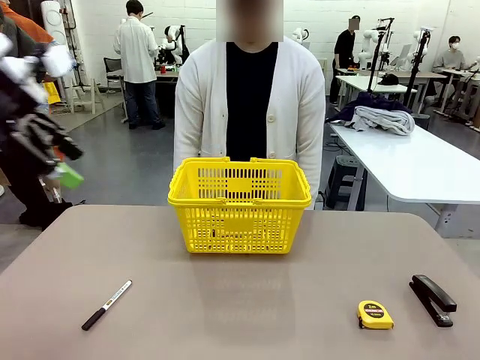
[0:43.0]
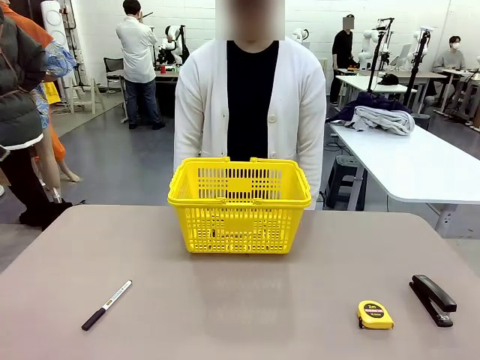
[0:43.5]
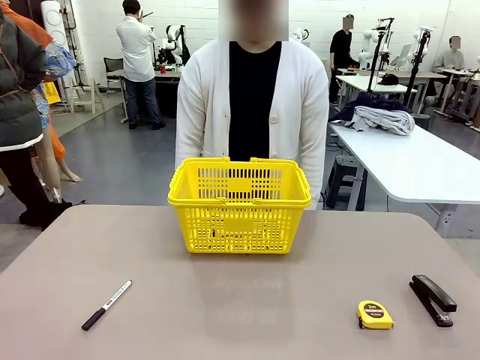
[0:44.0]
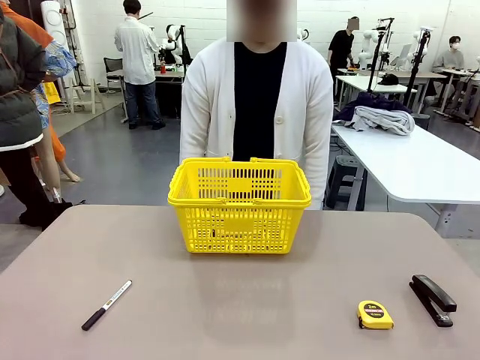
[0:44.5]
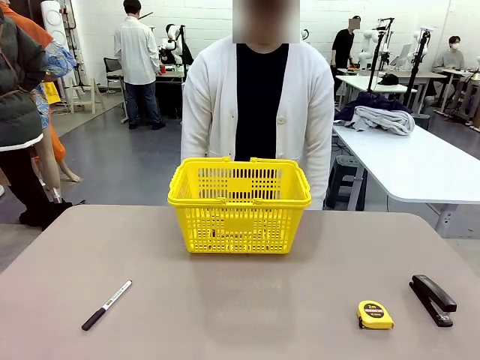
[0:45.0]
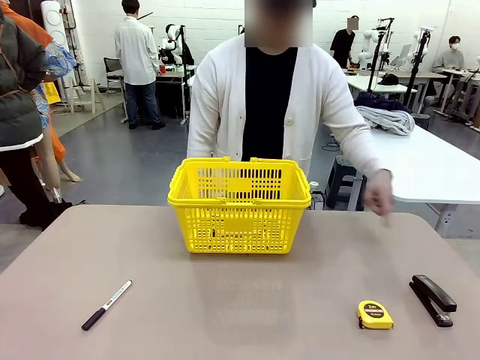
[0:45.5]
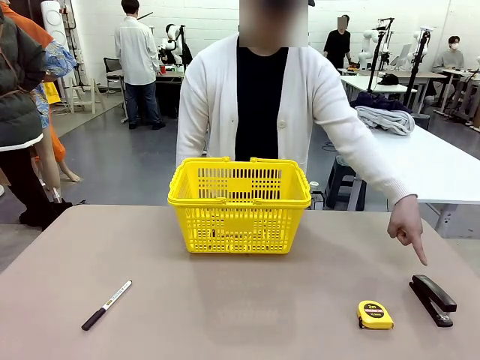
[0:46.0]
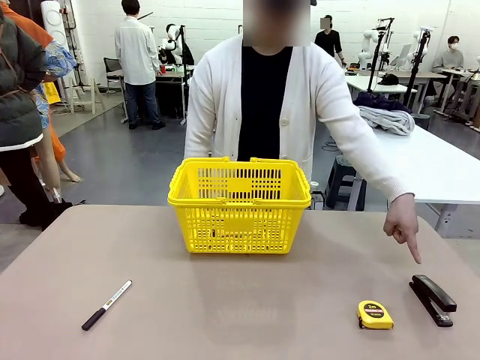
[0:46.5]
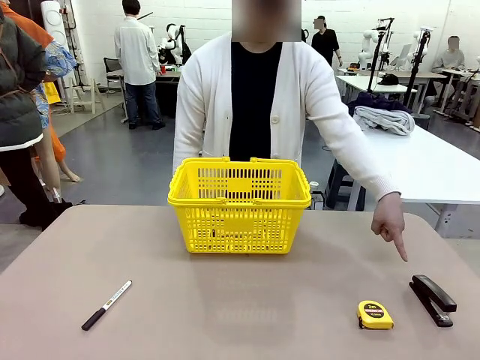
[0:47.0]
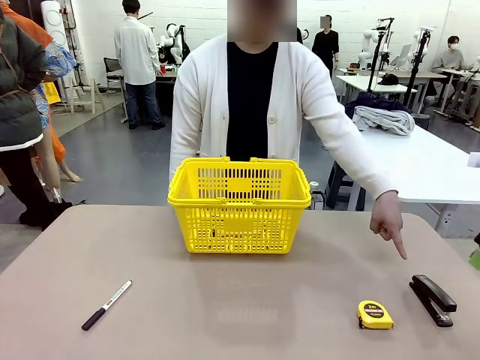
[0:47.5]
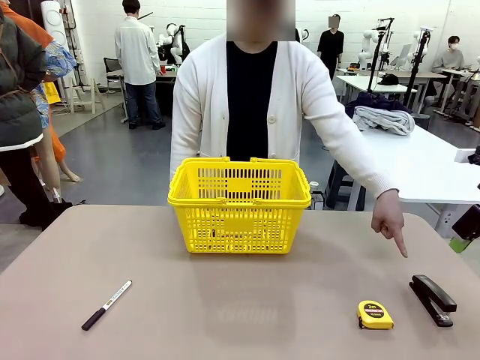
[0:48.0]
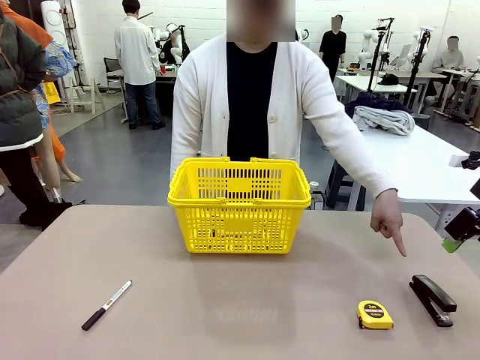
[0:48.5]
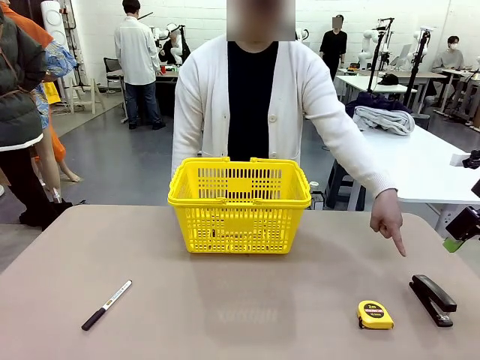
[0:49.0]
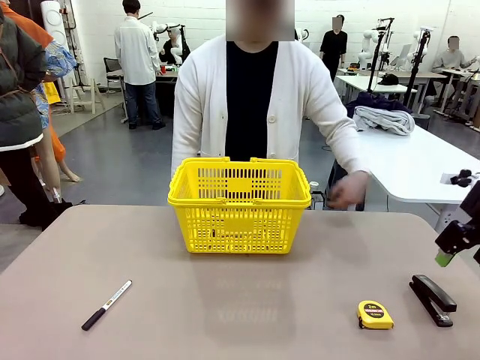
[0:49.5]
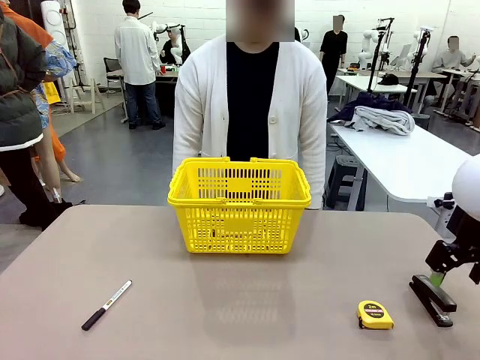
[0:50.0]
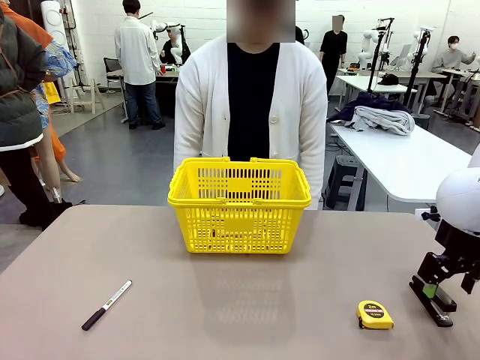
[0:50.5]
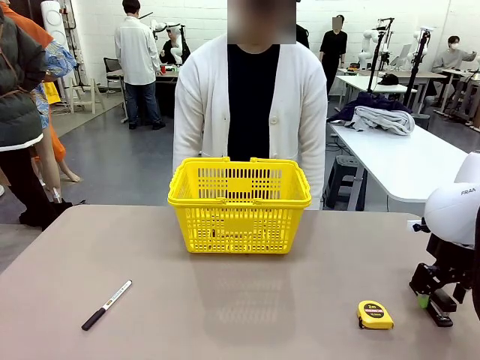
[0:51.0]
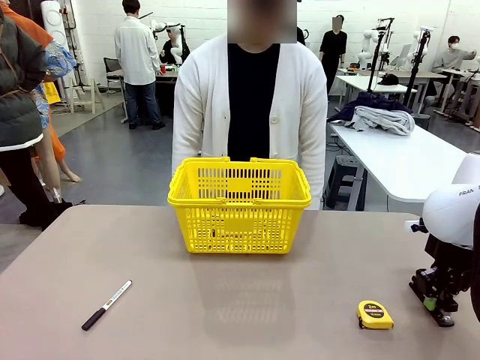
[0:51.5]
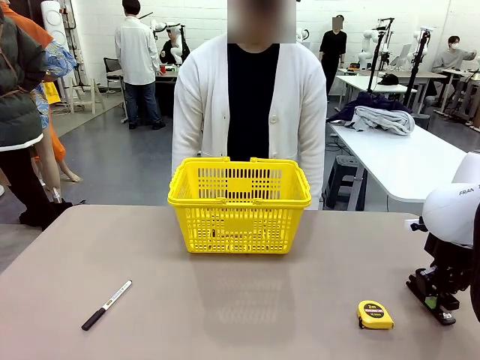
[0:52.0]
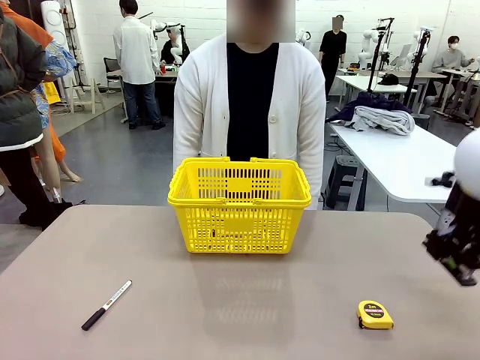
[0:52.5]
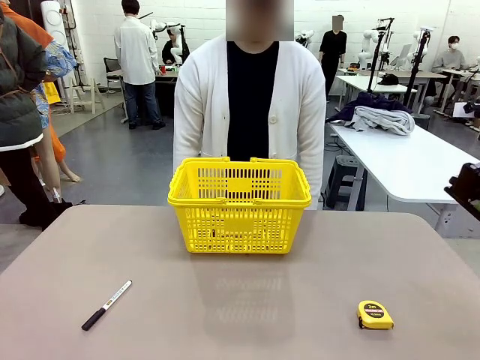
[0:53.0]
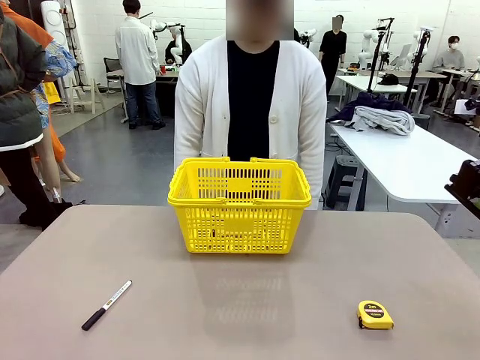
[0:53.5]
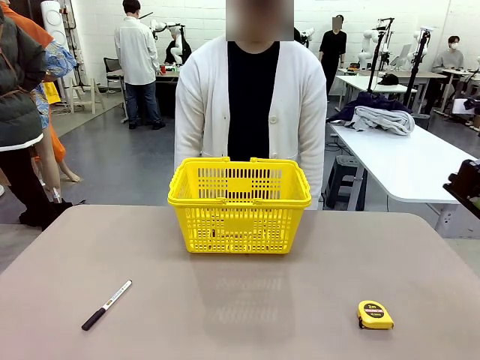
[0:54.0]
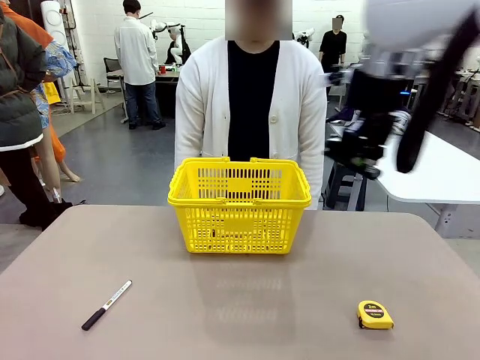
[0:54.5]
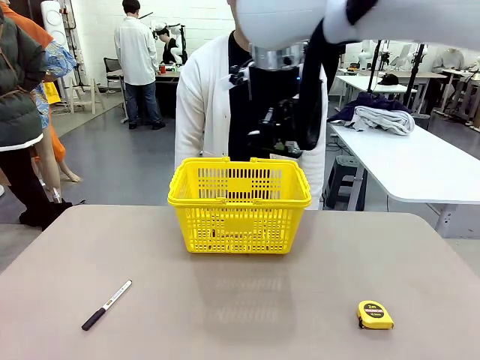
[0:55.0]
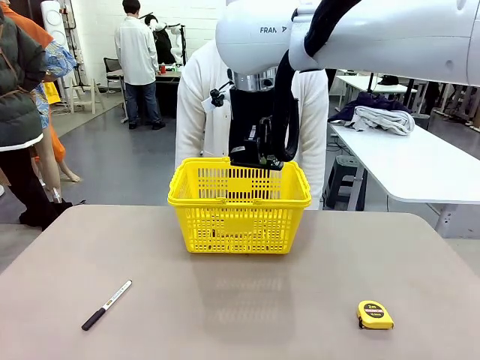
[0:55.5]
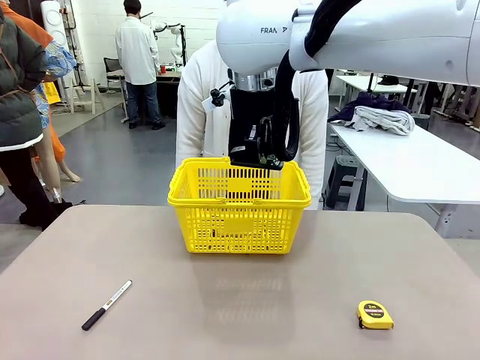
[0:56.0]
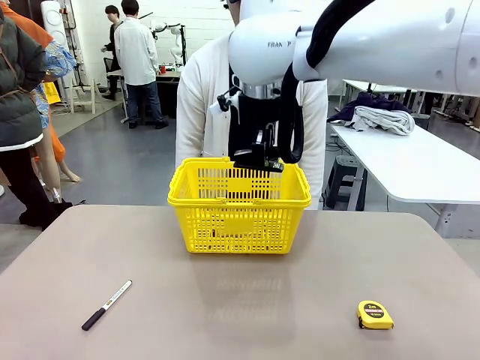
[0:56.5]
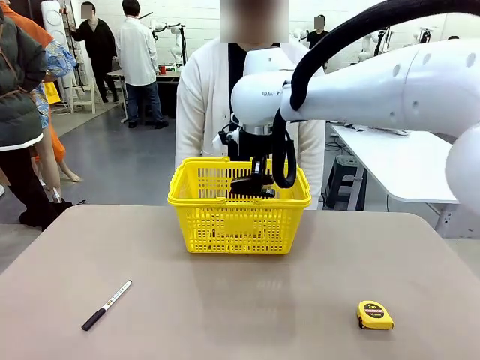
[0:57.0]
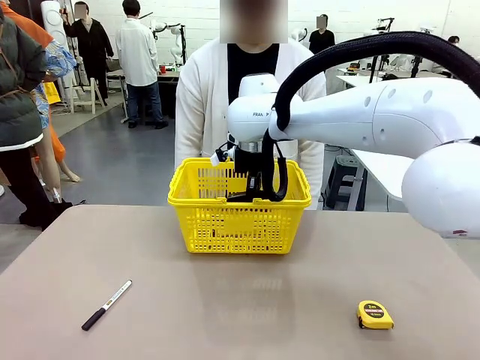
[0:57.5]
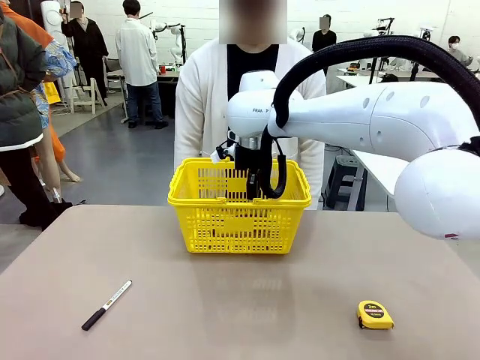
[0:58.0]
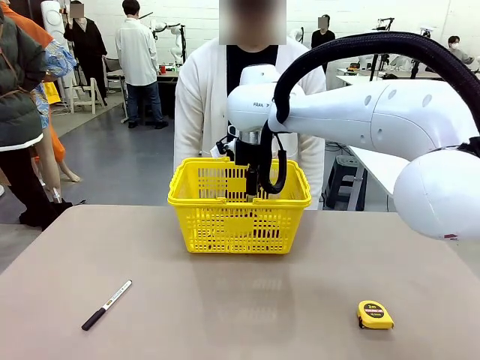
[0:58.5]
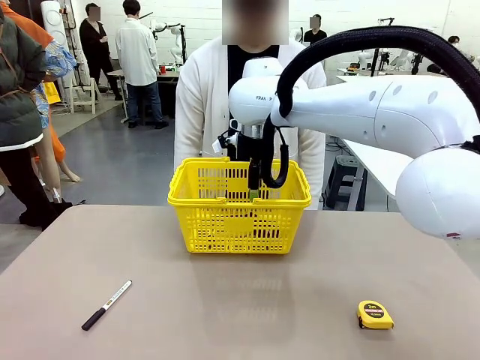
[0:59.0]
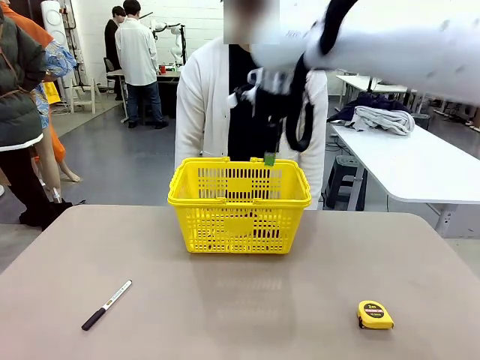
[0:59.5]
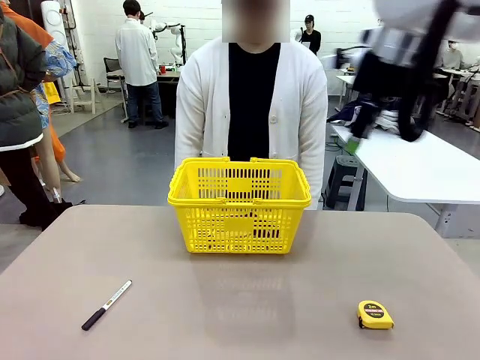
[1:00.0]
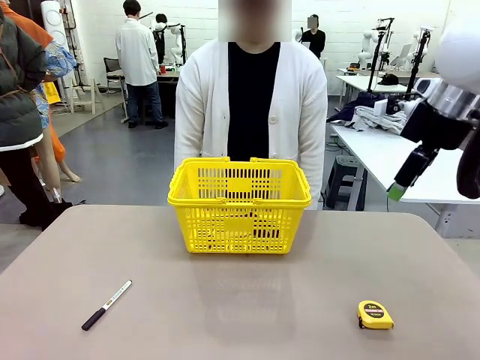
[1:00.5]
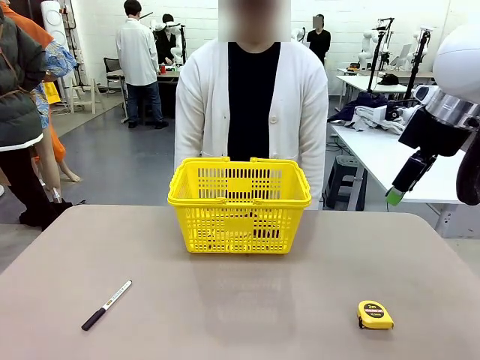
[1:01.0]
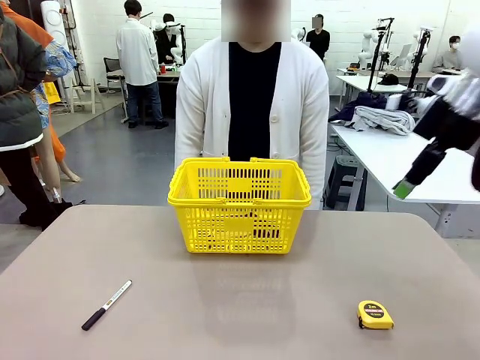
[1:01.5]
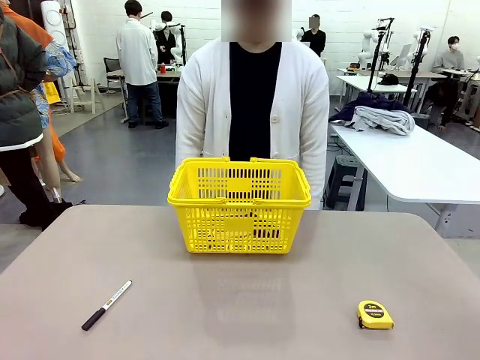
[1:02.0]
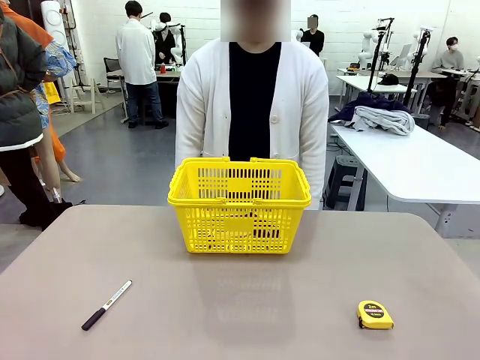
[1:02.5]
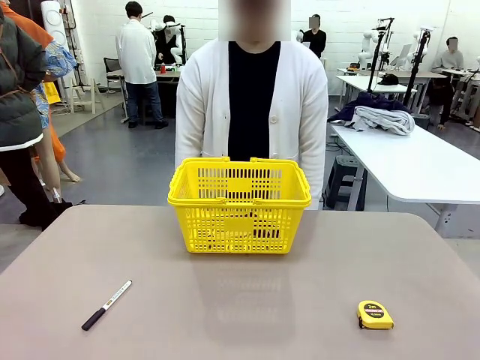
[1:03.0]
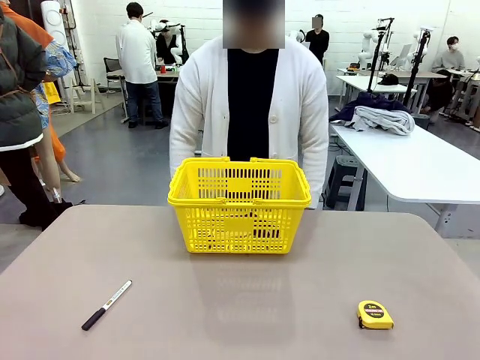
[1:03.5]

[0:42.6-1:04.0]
Task: Place the items the person wants into the basket.
Robot: Pick up the item the person points to and place it in the Market Basket.

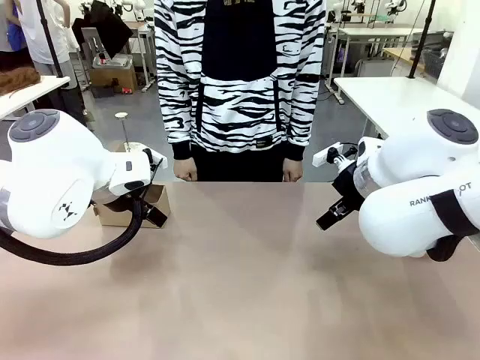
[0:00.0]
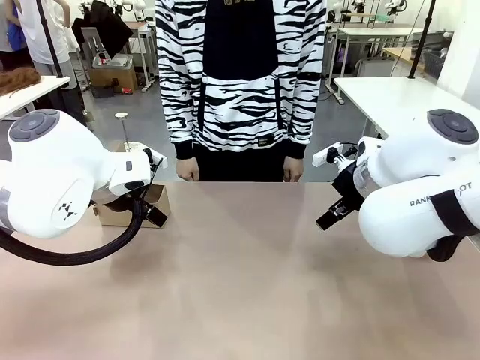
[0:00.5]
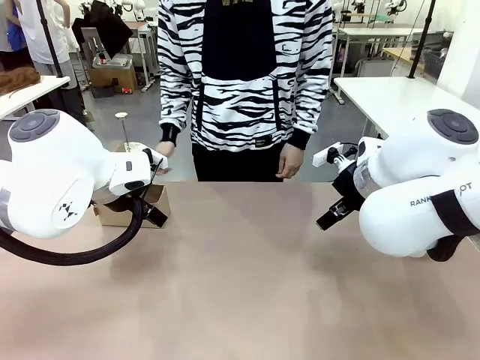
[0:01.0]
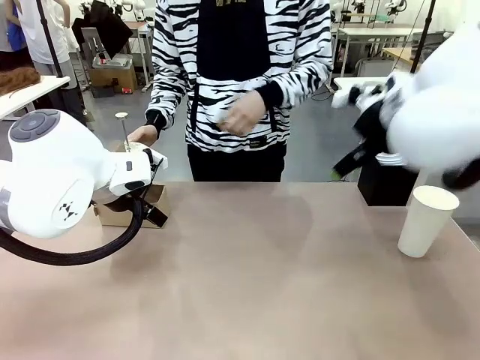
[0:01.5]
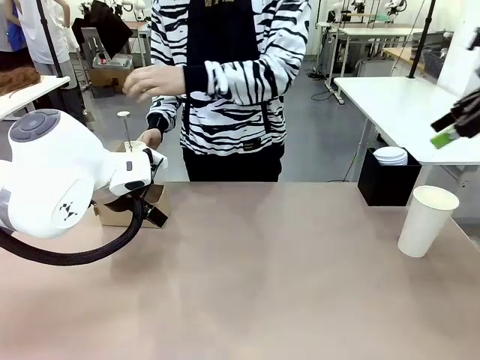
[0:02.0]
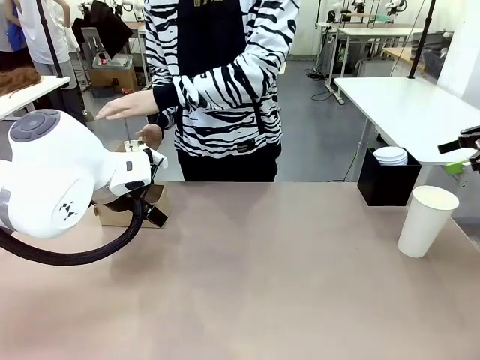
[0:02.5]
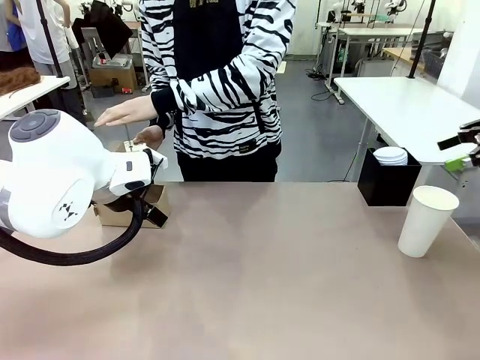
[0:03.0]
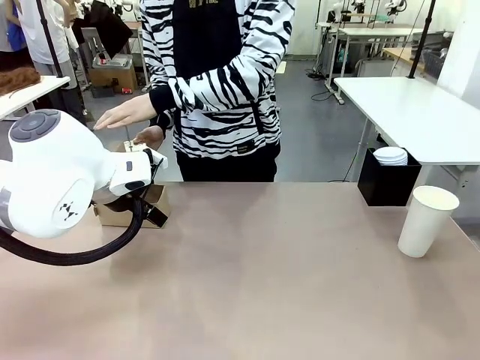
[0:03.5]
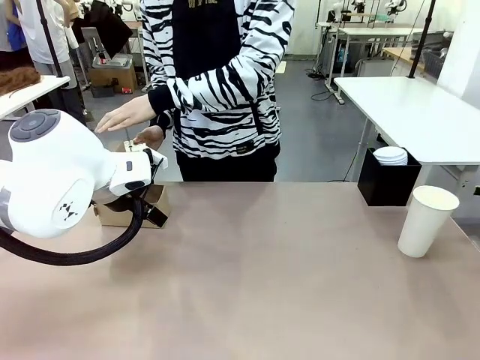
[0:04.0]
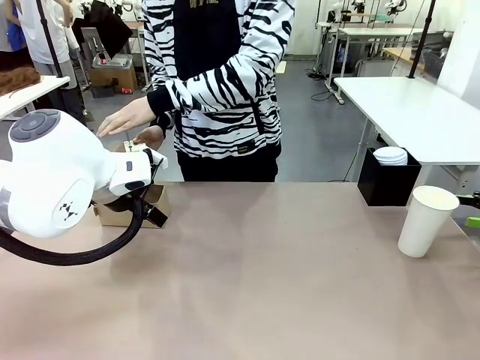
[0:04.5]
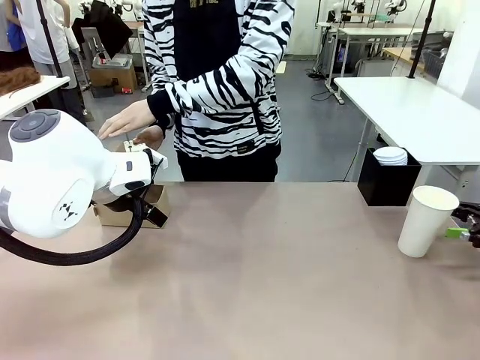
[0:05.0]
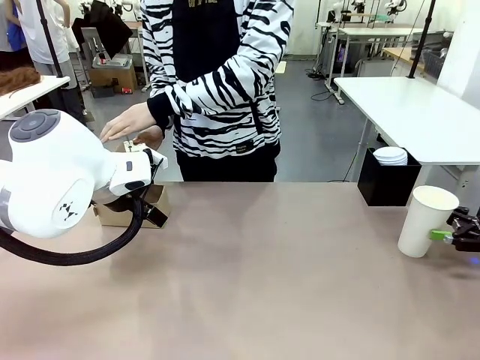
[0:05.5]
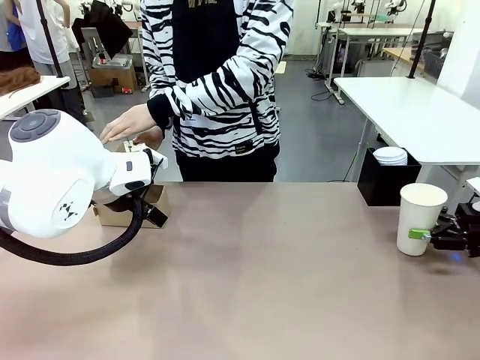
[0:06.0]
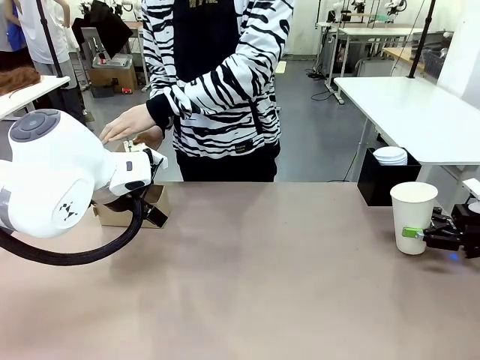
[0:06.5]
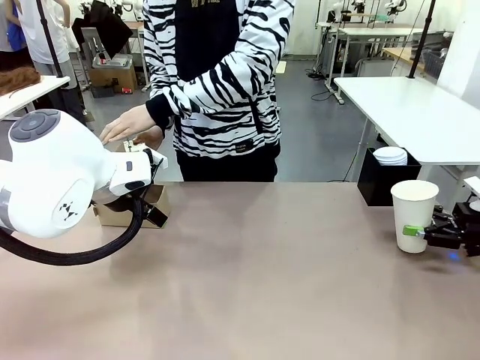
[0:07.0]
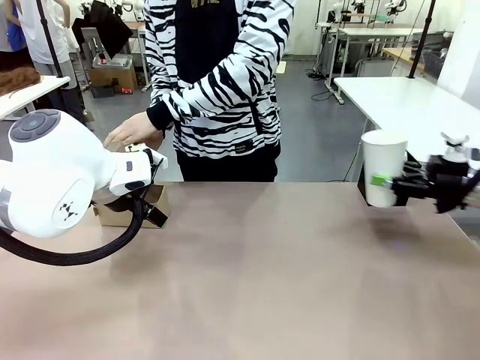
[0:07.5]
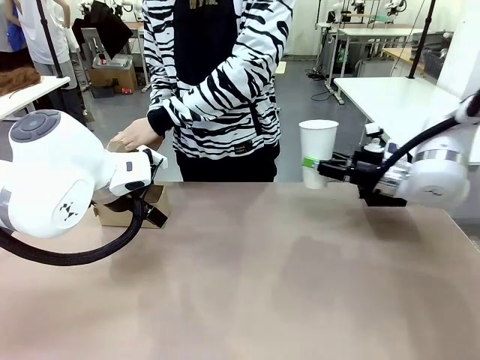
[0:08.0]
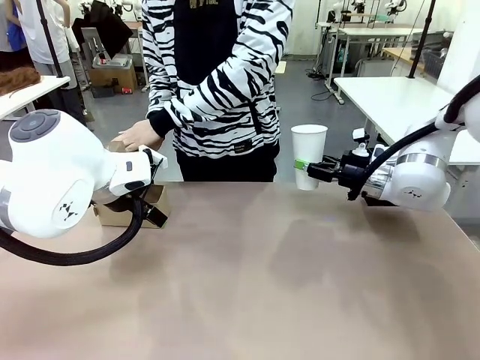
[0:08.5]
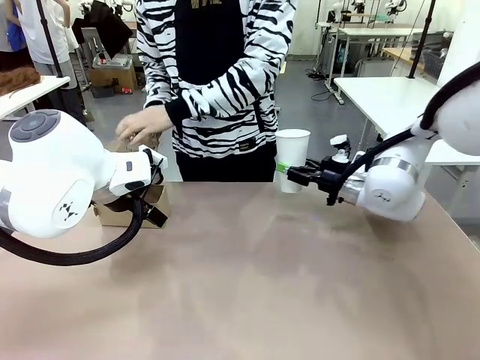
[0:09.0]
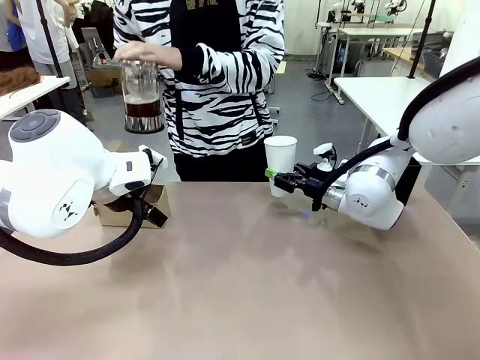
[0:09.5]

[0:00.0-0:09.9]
Task: Pour a drink into a cup and package it in a carrier.
Robot: Pick up the 600 ml Paper Cup and place it in the middle top area of the table.
Person: Press and pick up the Filter Brewing.
